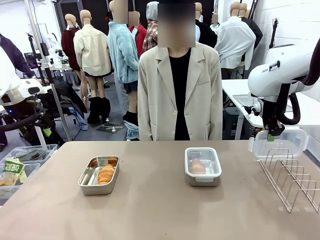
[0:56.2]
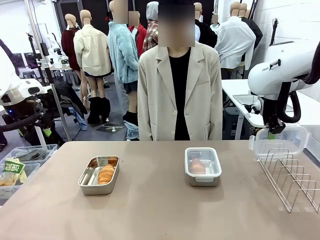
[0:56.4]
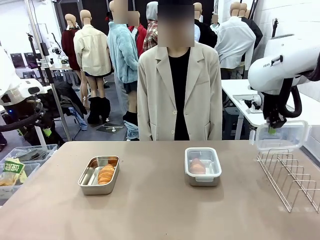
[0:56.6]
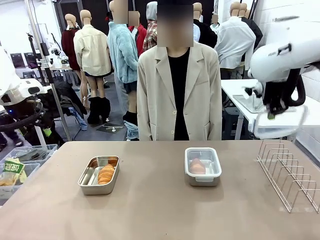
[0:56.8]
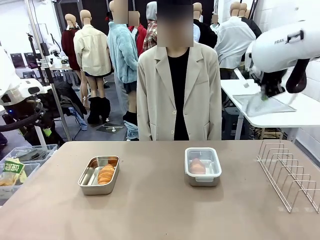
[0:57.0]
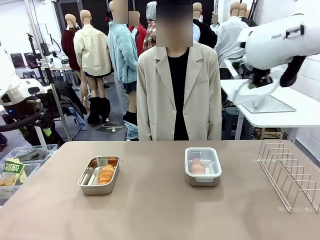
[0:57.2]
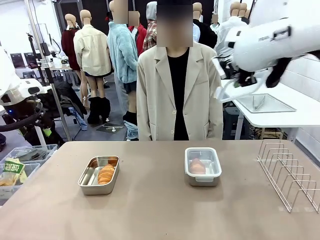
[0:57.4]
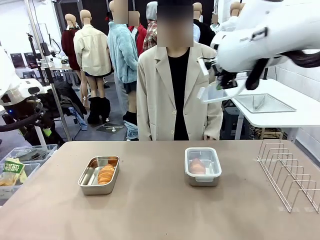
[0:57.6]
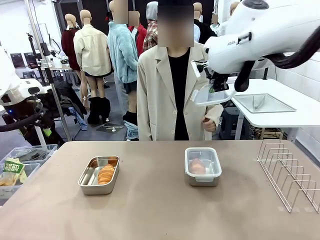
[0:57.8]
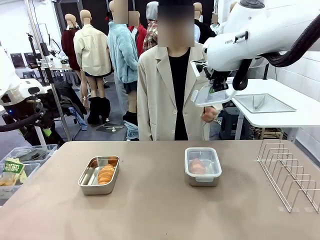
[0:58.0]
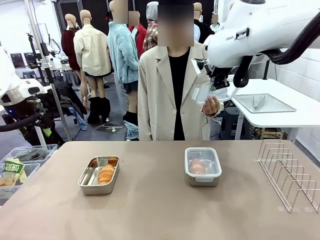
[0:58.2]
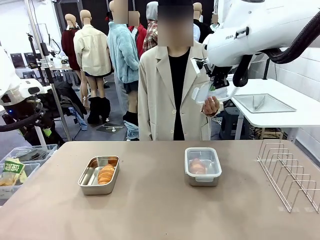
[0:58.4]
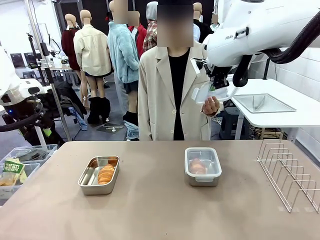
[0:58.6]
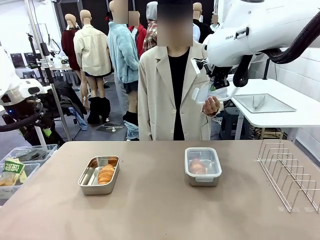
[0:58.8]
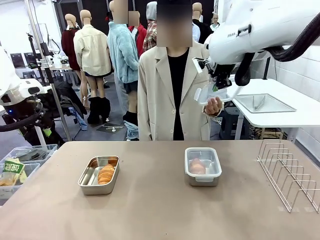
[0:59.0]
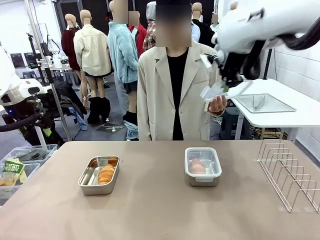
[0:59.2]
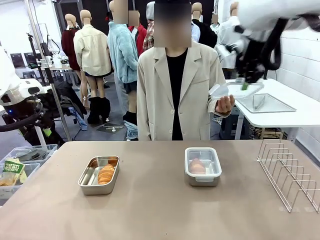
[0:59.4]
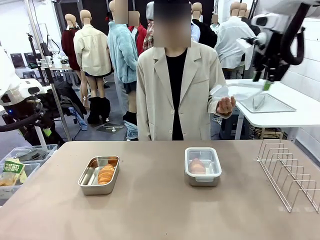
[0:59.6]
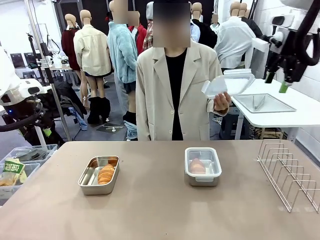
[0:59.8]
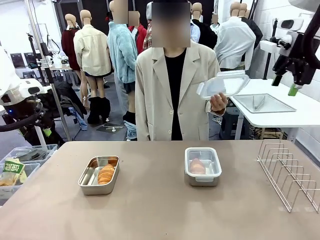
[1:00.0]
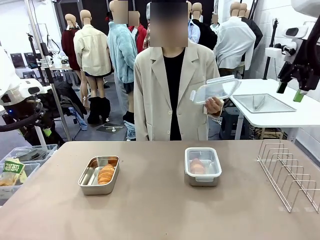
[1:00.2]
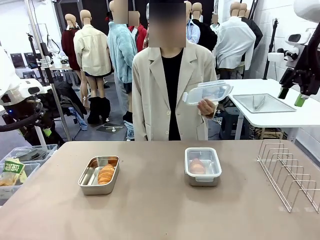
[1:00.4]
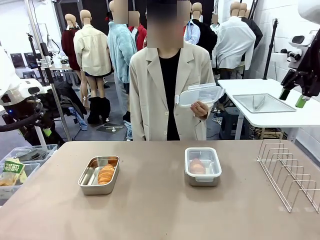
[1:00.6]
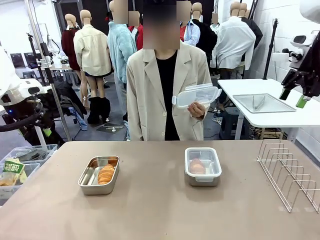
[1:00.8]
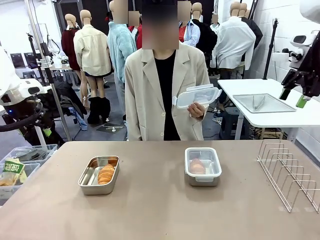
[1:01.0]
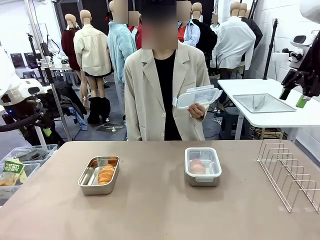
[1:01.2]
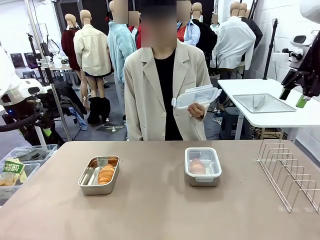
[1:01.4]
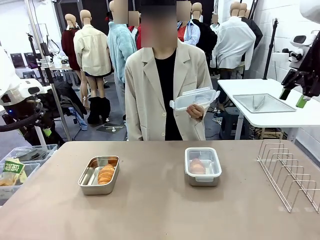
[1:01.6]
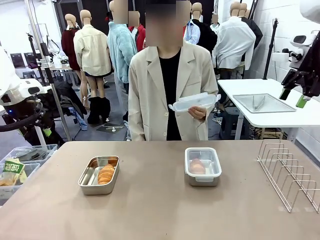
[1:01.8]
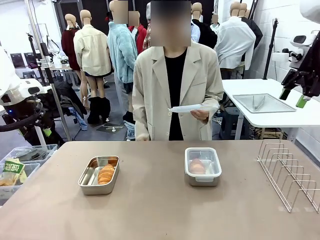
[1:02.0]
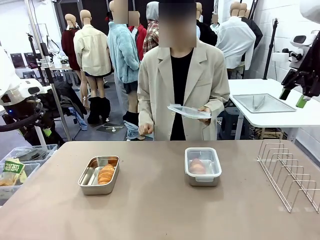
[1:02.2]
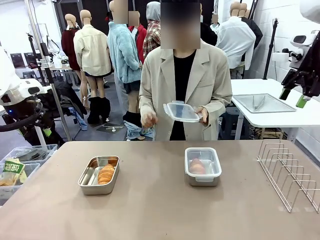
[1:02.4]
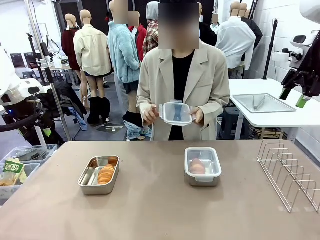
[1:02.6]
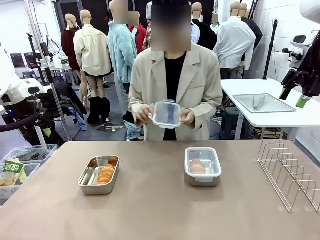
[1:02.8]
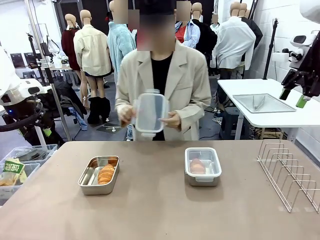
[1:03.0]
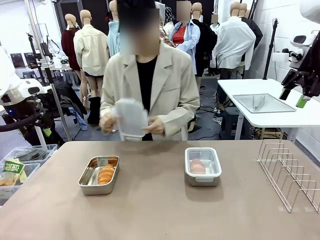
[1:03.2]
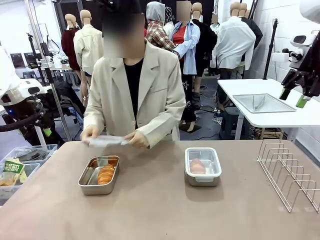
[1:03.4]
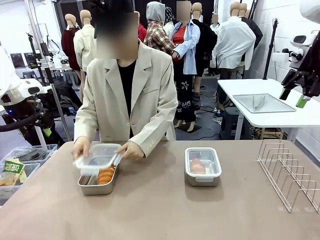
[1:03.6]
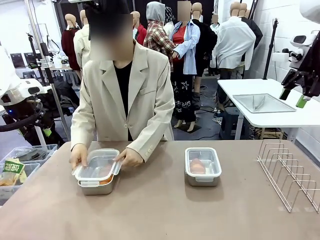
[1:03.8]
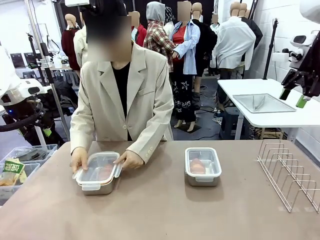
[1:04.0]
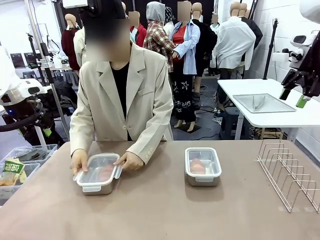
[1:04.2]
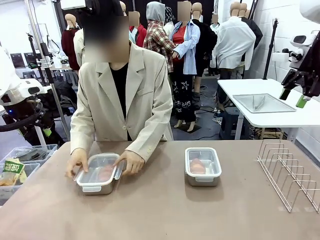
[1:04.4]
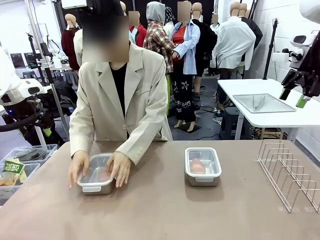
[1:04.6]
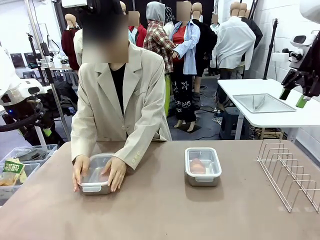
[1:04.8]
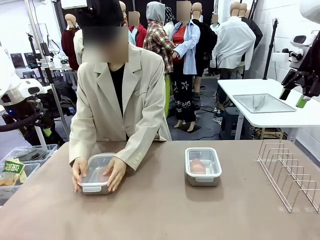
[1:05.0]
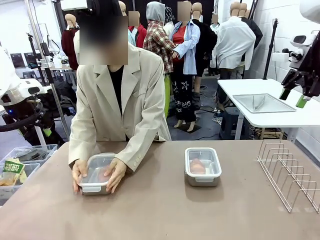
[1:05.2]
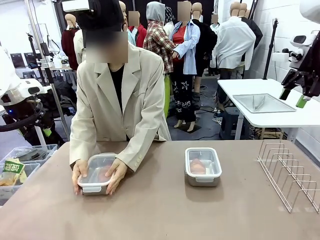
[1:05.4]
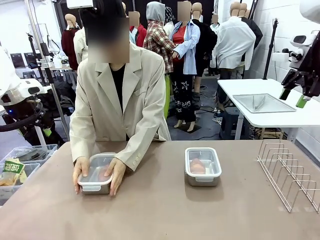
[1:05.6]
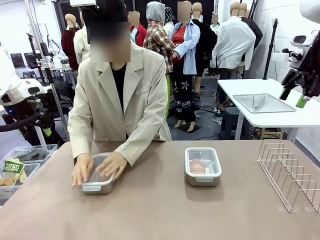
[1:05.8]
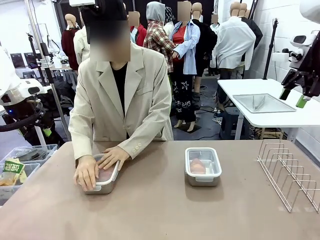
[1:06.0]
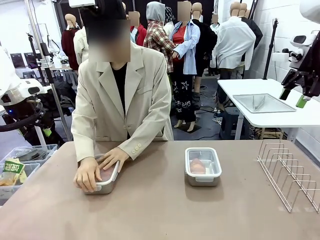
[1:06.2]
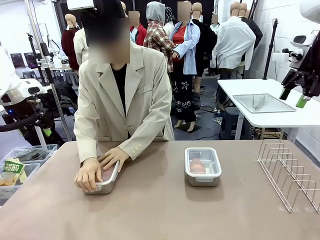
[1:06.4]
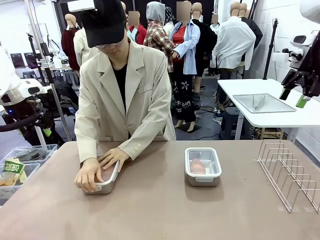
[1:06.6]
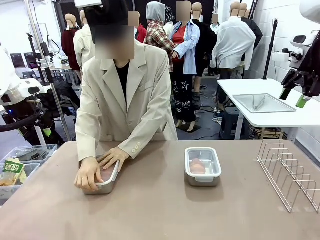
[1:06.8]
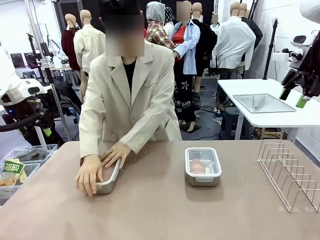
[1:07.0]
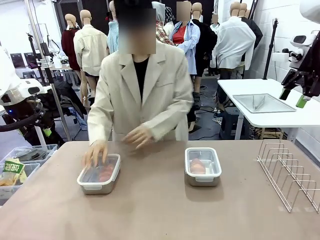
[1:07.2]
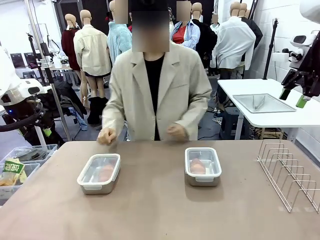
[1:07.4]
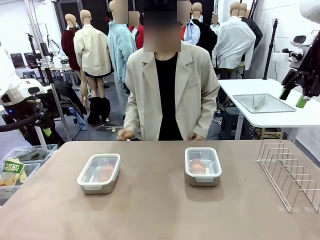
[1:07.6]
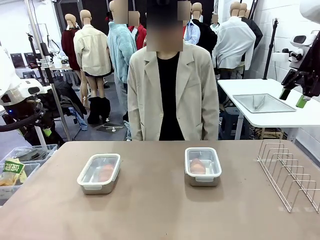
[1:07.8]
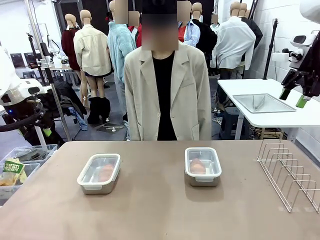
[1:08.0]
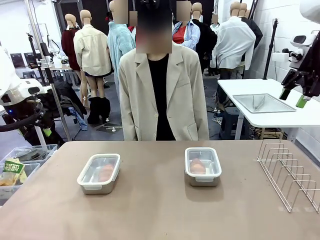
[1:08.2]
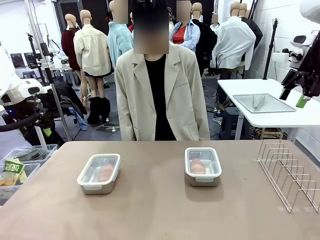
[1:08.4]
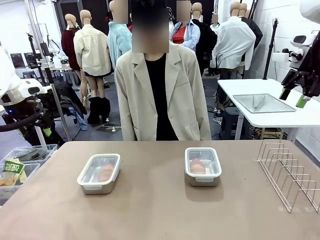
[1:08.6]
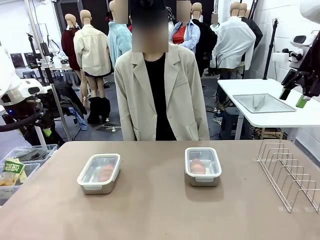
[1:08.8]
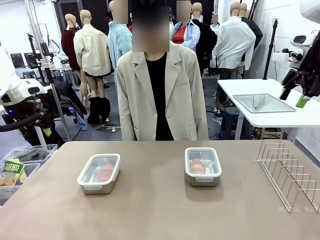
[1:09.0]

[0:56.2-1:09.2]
Task: Place the bread in airtight containers.
Robot: Release when the human grabs the Airtight Container lid.
Person: Grip Airtight Container lid that robot is handing. Close Airtight Container with a handed Airtight Container lid.

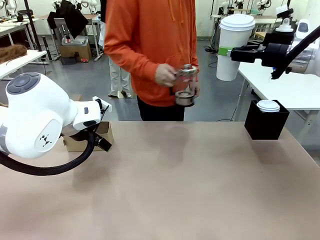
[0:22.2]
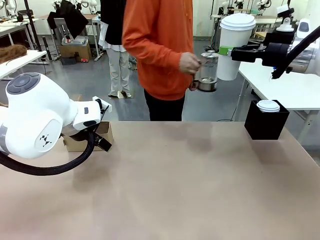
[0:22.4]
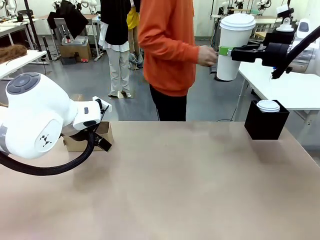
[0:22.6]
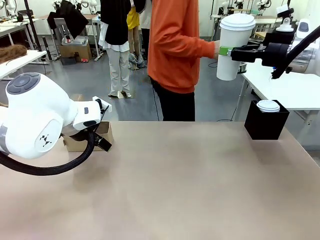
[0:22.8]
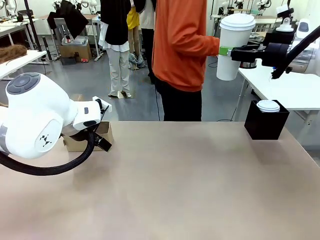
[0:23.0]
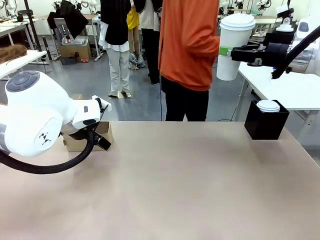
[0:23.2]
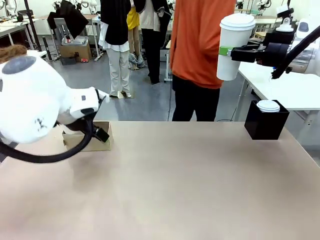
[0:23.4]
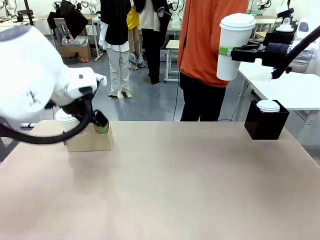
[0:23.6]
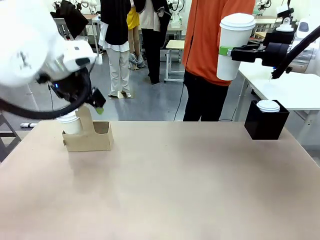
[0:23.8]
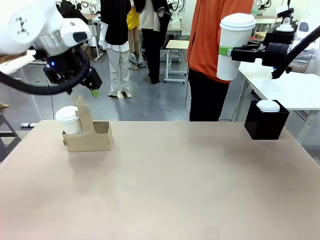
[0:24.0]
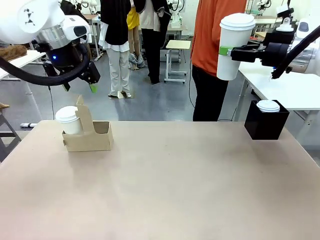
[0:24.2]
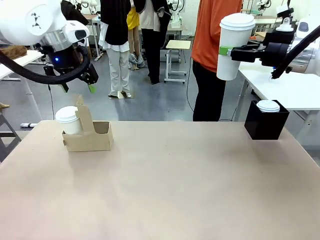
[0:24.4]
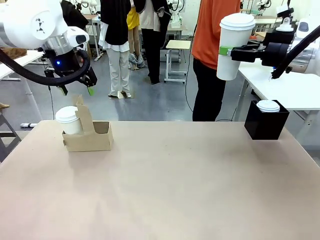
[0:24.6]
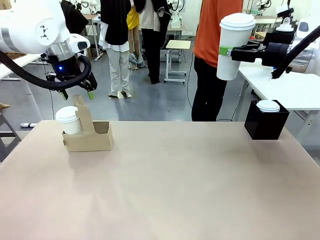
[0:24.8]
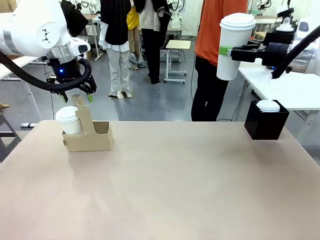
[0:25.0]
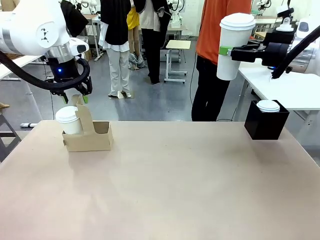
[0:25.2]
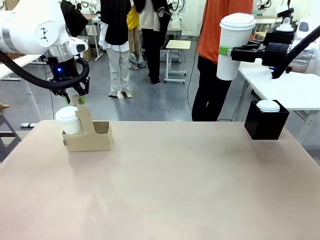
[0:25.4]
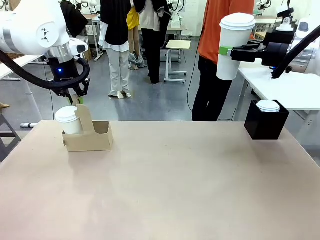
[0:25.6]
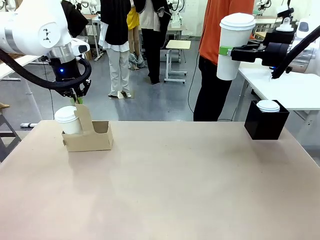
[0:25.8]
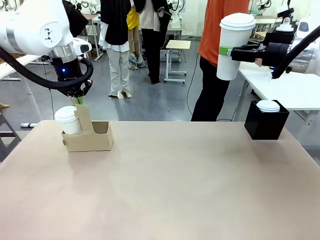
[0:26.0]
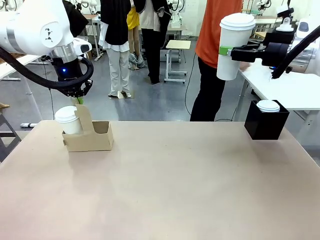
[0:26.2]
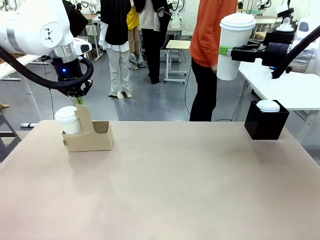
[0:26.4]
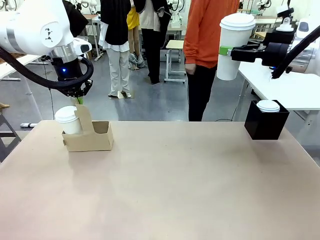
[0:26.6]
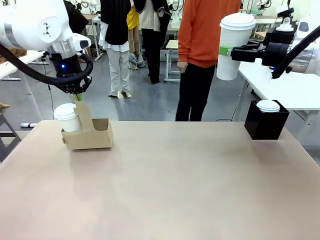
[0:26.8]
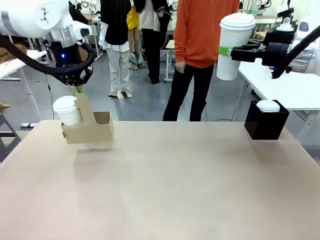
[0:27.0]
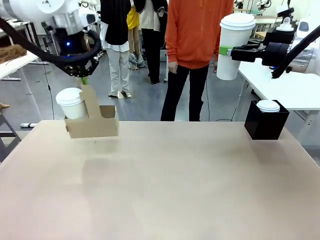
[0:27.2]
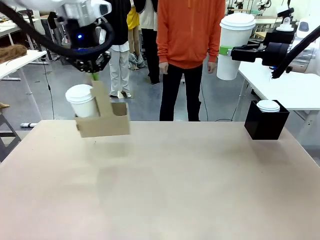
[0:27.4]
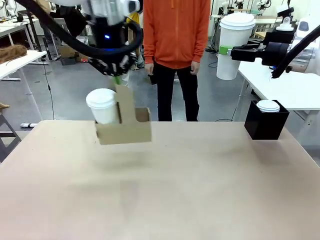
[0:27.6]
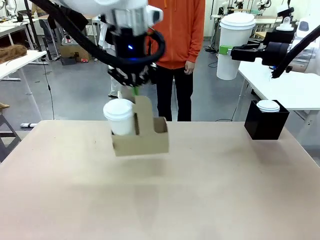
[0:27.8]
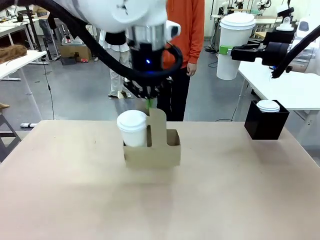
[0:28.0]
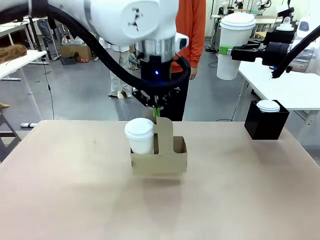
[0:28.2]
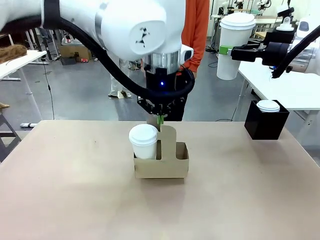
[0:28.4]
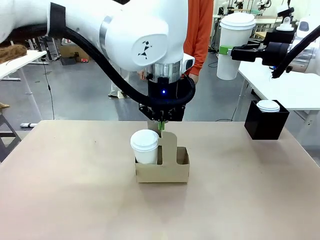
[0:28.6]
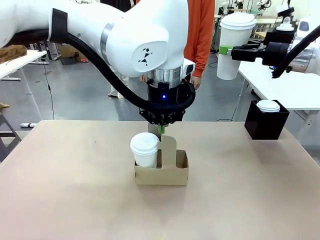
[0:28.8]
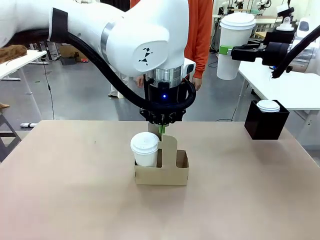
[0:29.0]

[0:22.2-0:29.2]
Task: Pour a drink into a cup and package it in a carrier.
Robot: Position the Cup Carrier in the center of the table.
Person: Pick up the Filter Brewing and place on the middle of Human table, and return to the Robot table.
